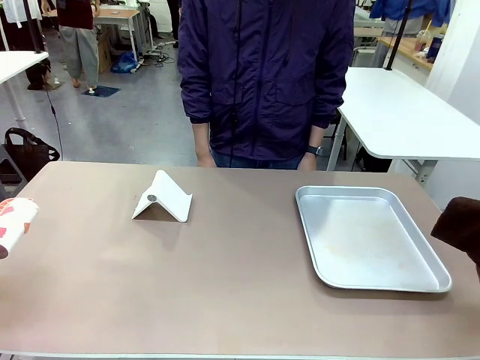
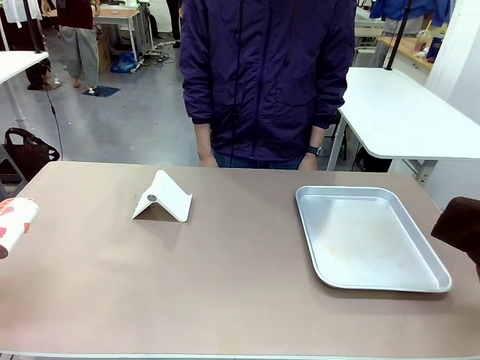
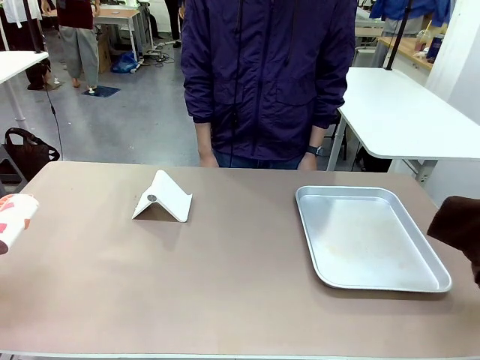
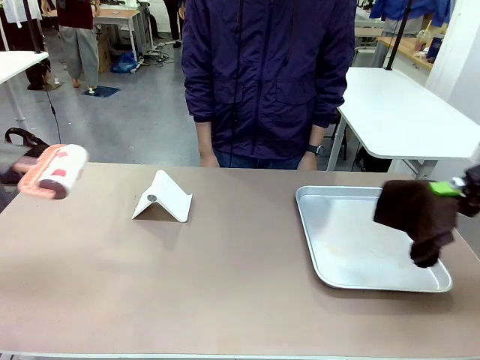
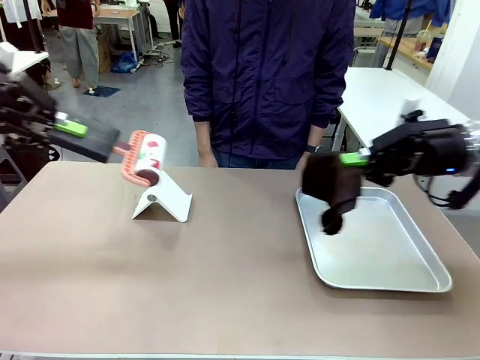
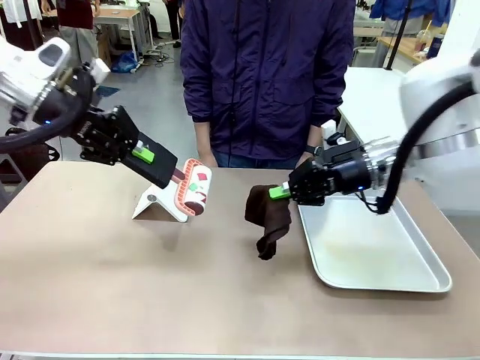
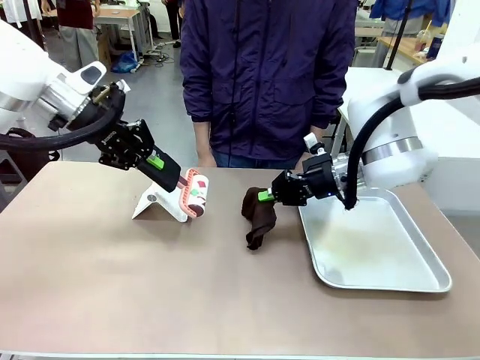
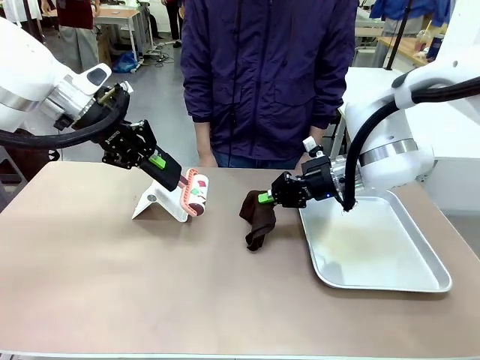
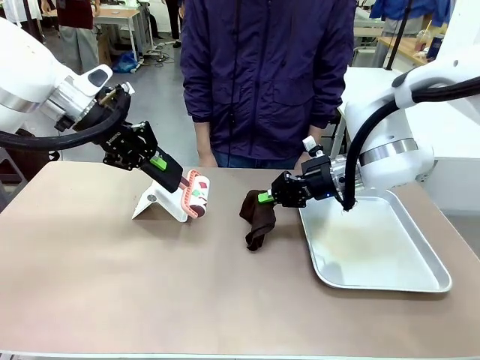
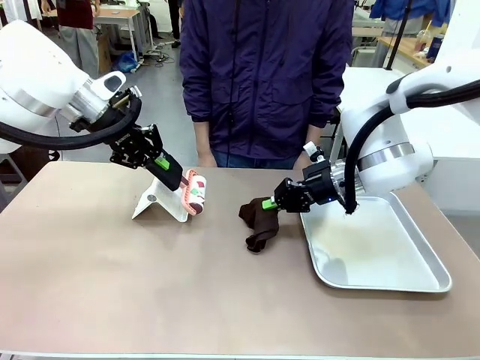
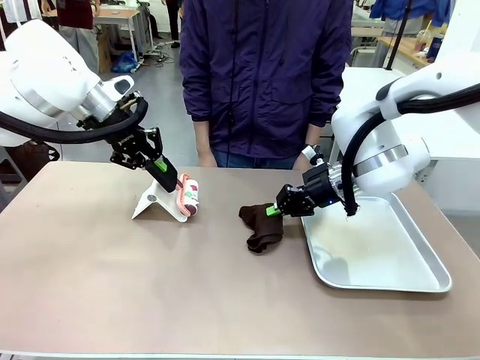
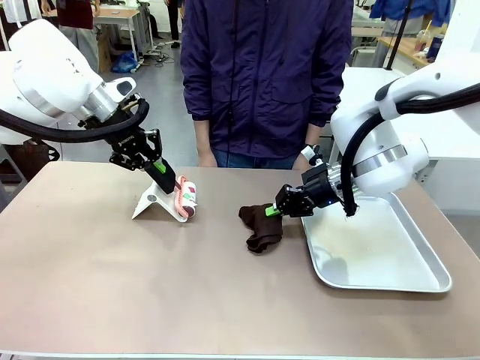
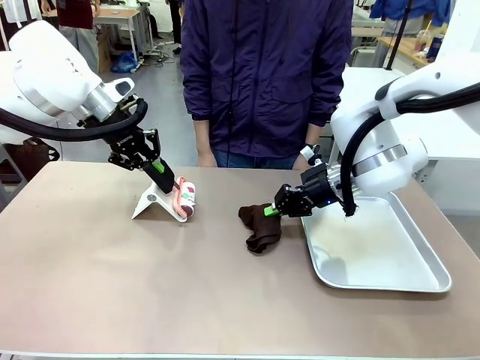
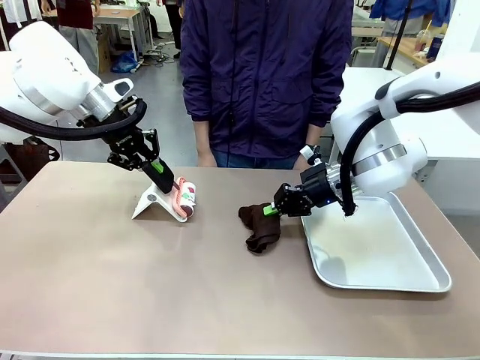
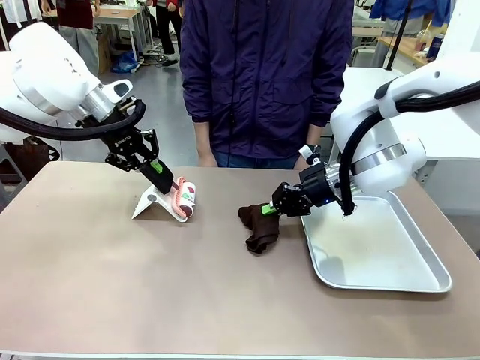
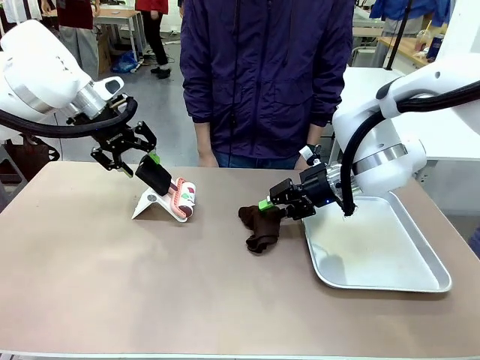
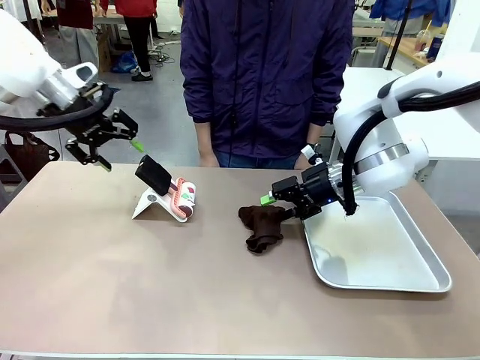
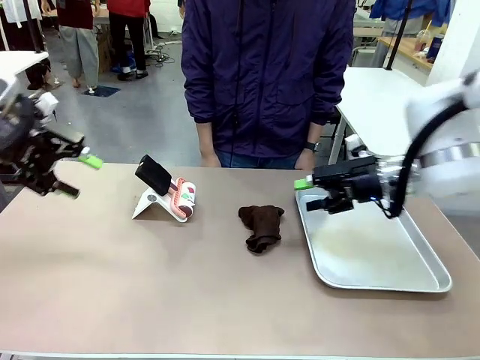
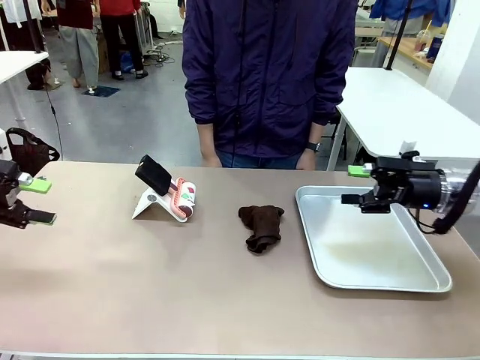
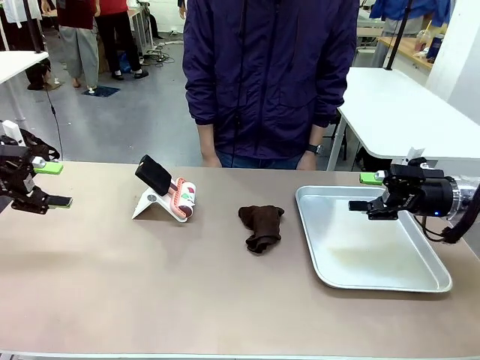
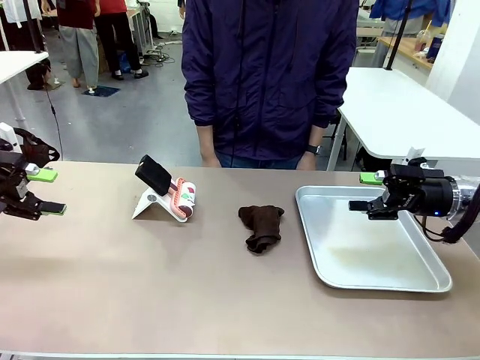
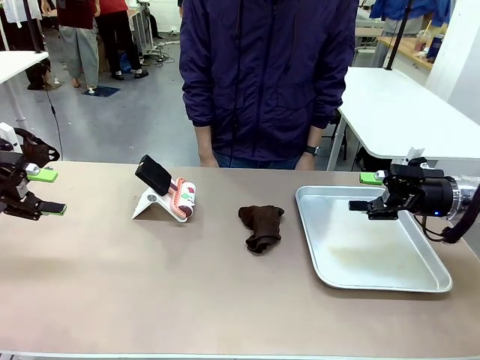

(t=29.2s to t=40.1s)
Task: Clean the surface of the table.
Robot: Return the Lint Roller and towel to their original positions.

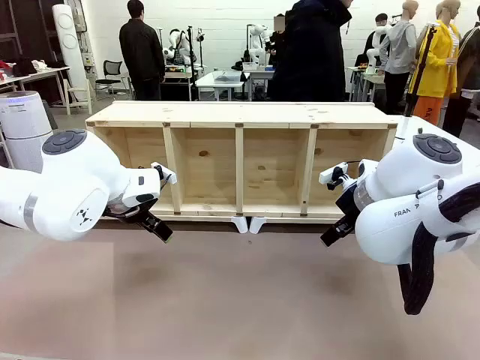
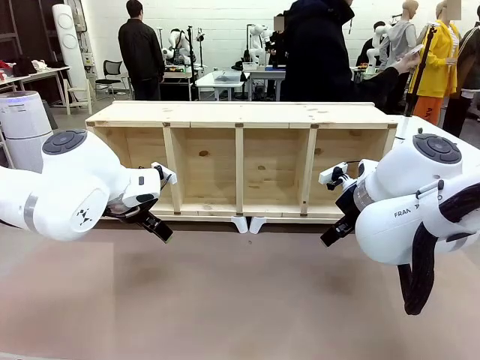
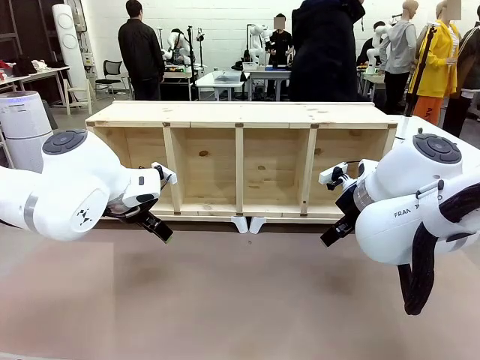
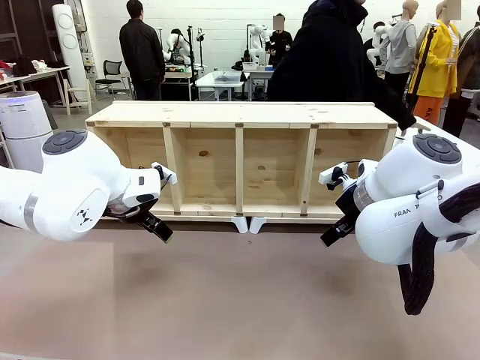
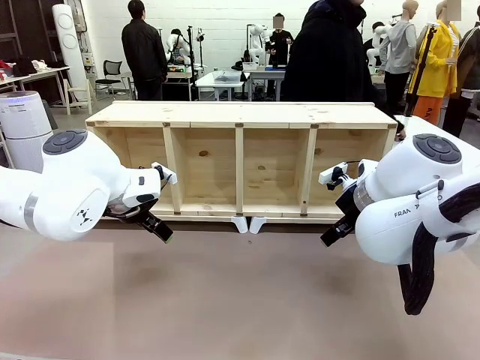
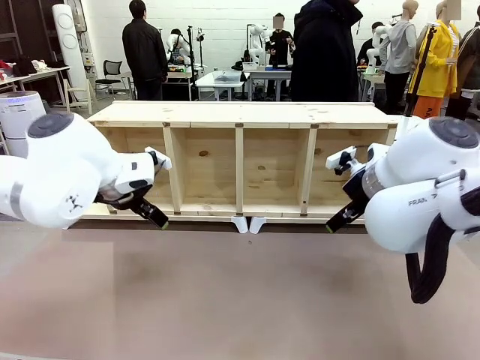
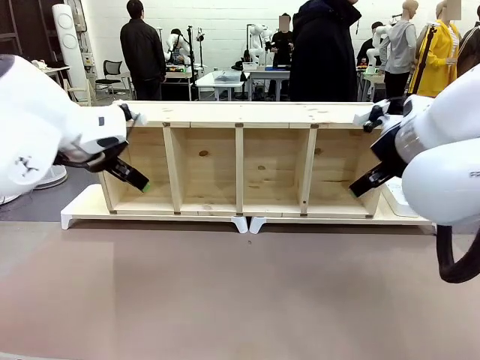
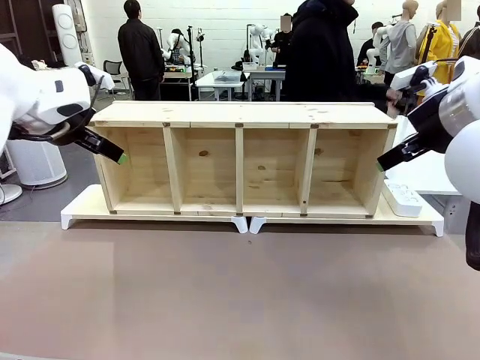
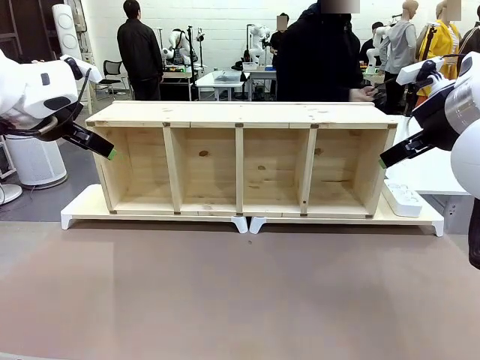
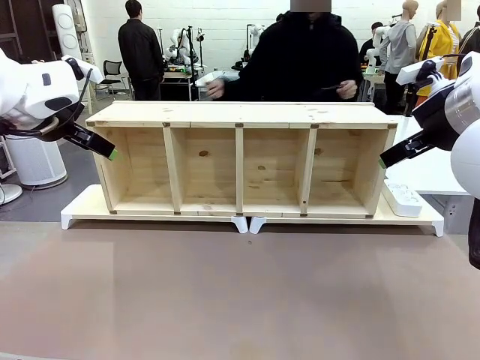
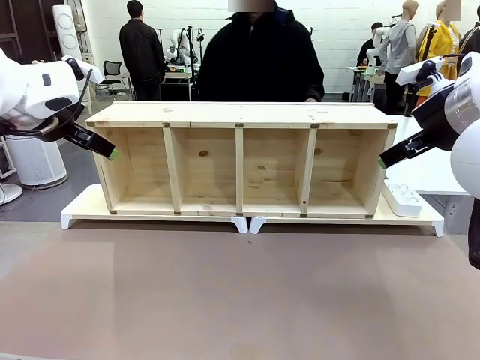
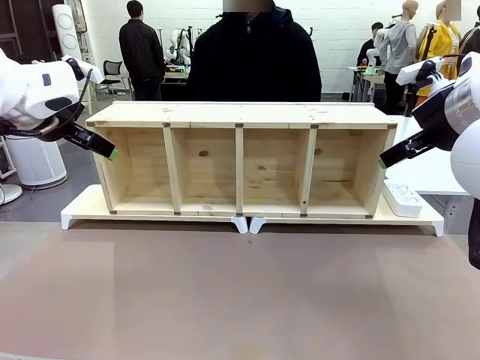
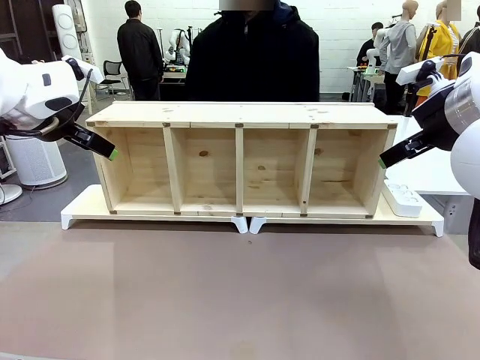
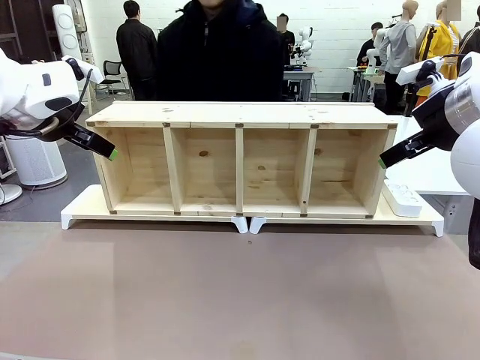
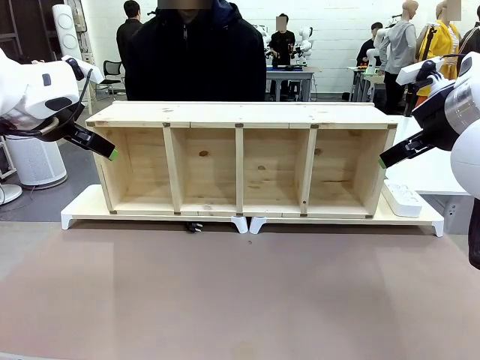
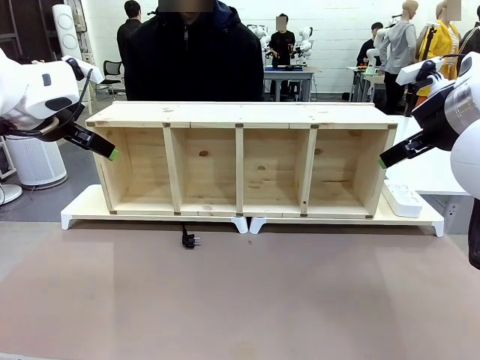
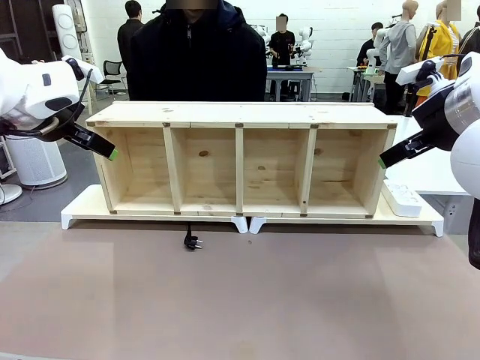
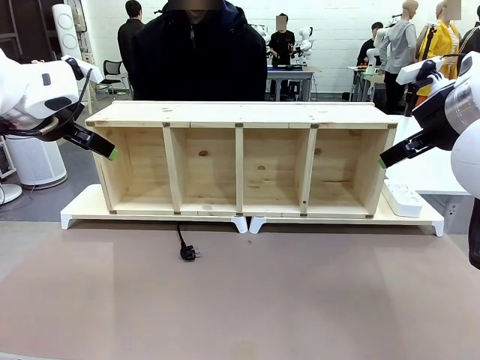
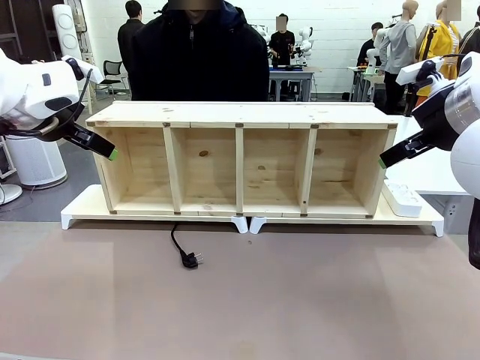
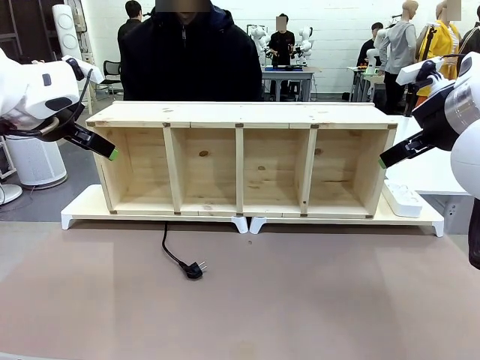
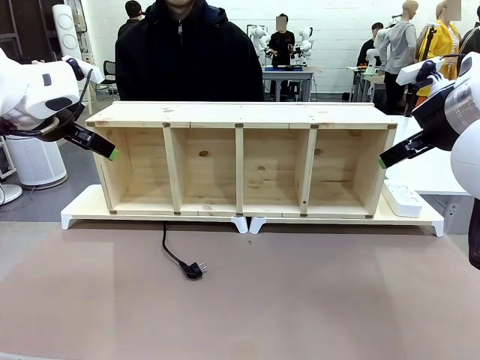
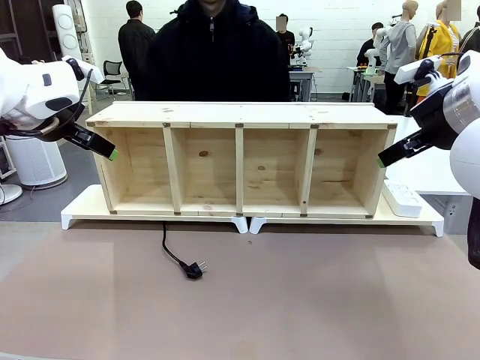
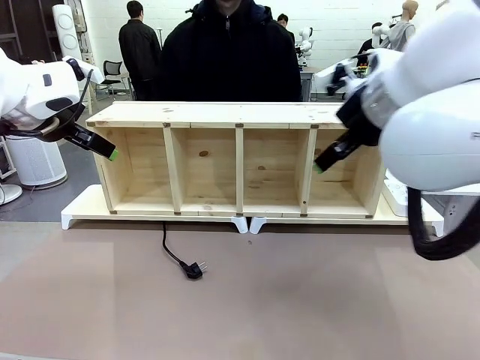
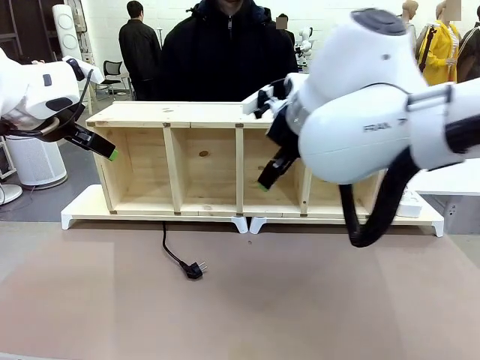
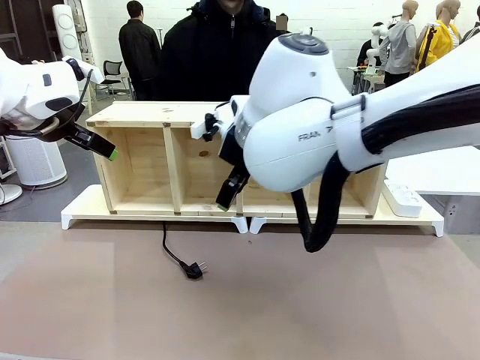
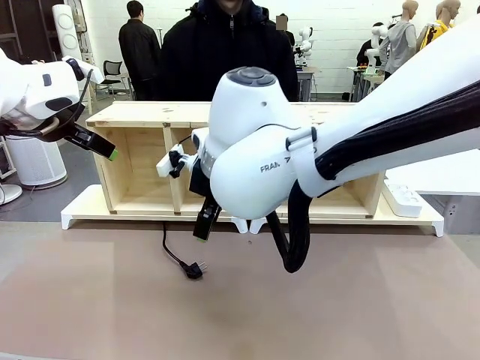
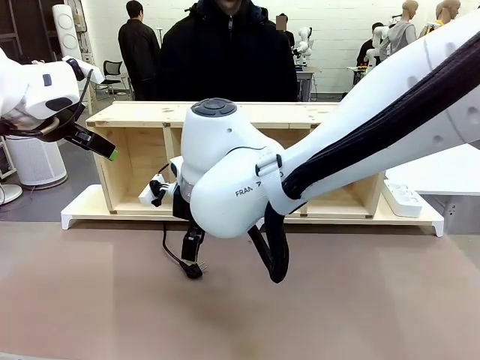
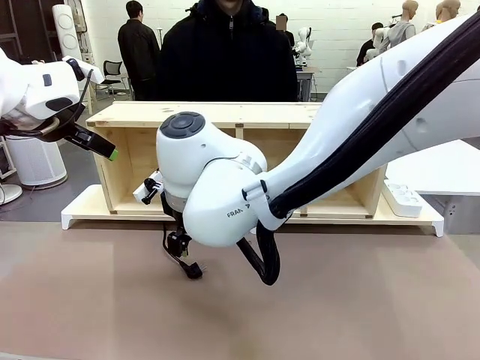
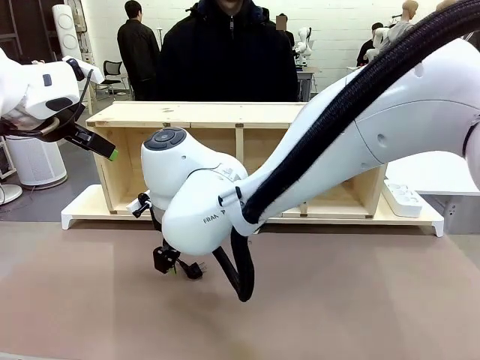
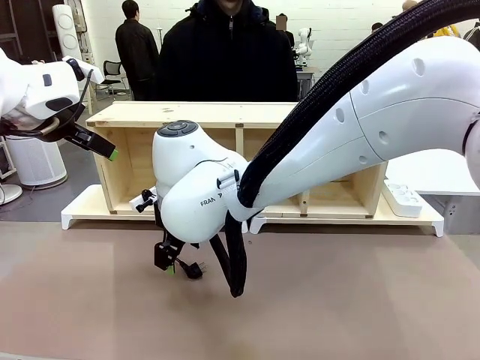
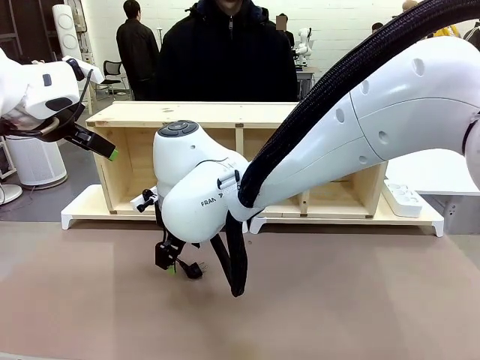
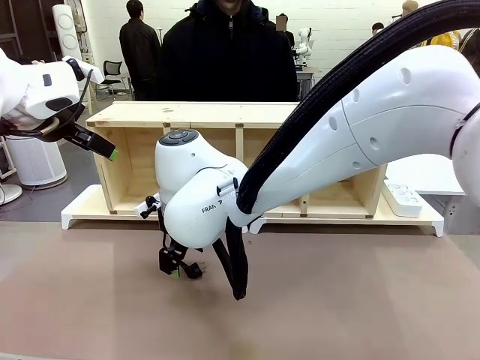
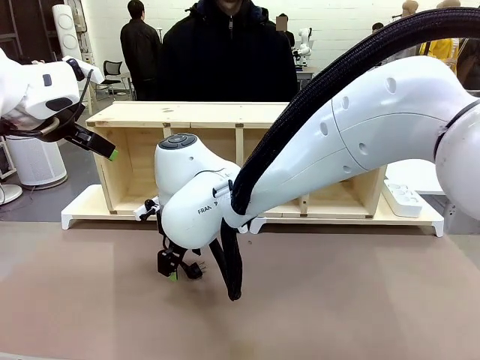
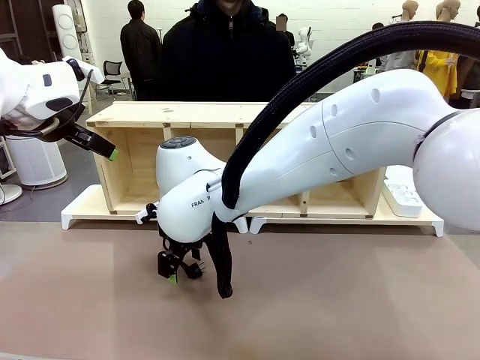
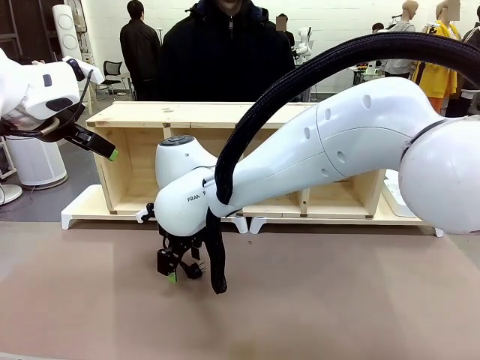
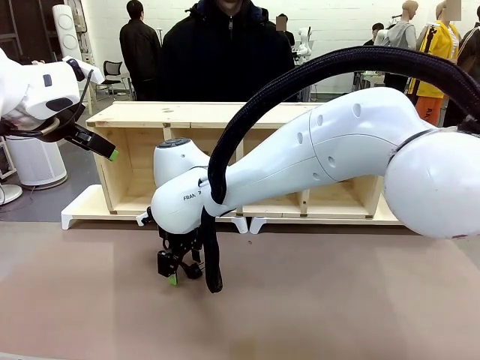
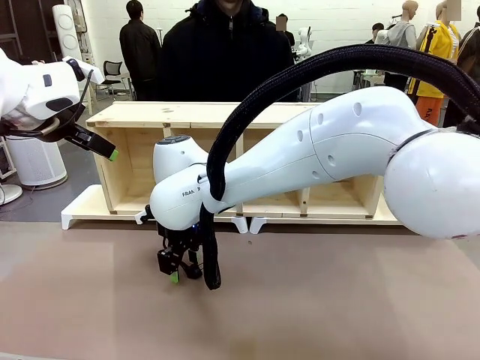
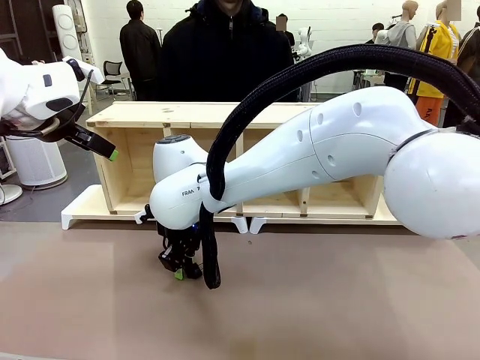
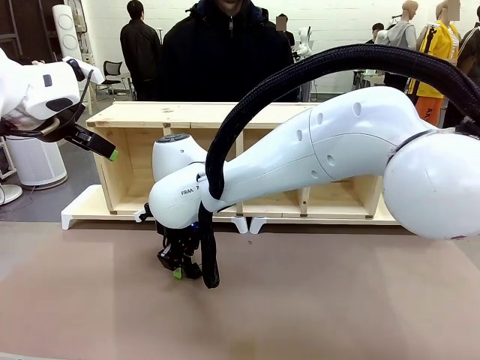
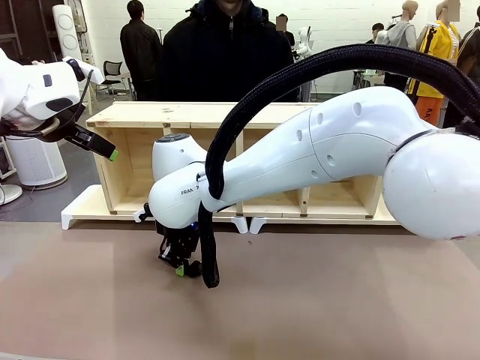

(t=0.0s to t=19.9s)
Task: Perform cable management.
Robot: When the cord part of the Power Cable appears at the lower middle area of the table and stops, grasp the cord part of the Power Cable.
Person: Pass the Power Cable under the Serving Table.
